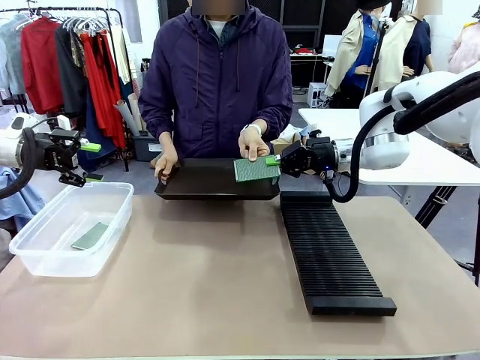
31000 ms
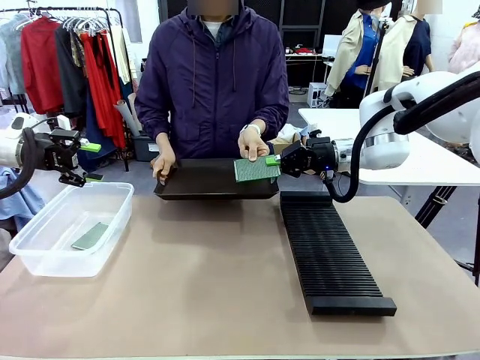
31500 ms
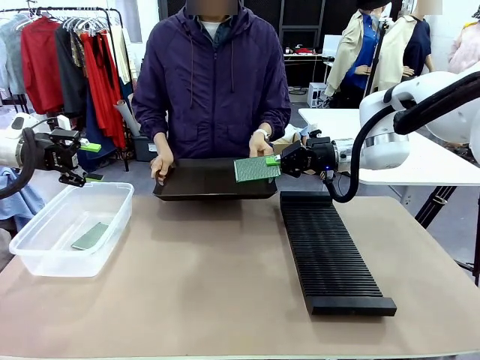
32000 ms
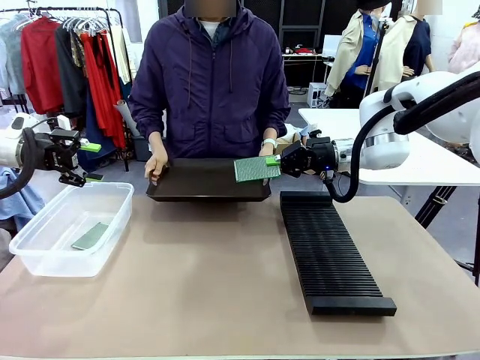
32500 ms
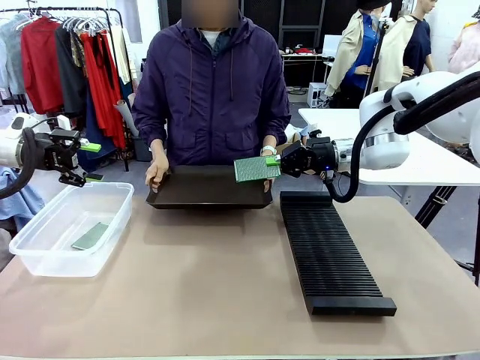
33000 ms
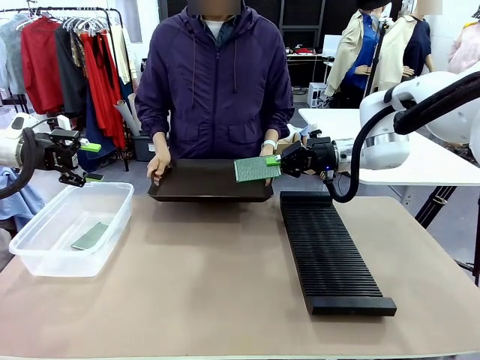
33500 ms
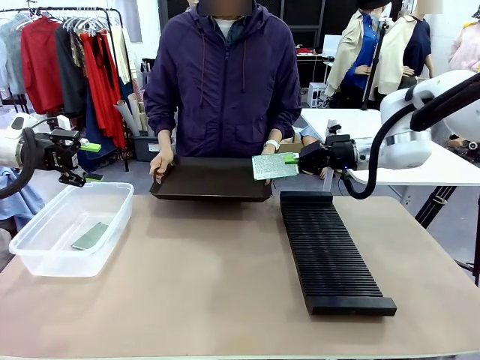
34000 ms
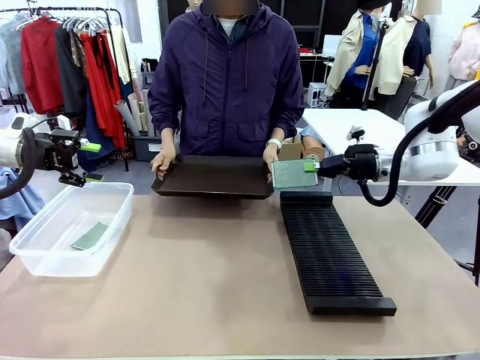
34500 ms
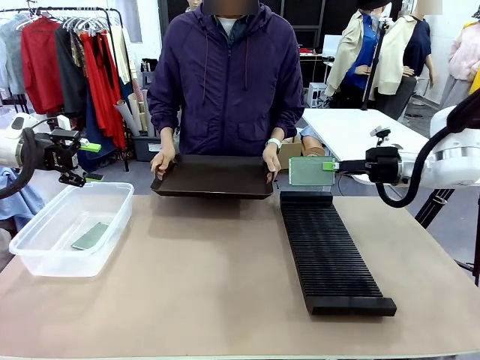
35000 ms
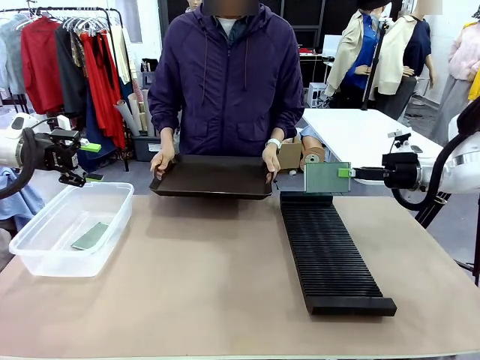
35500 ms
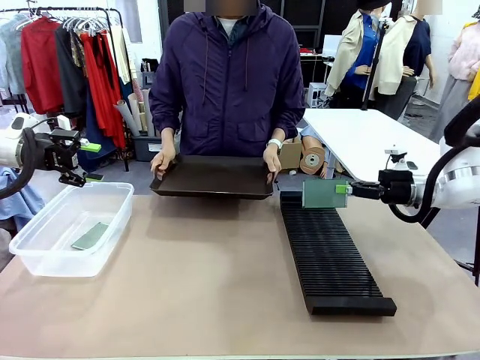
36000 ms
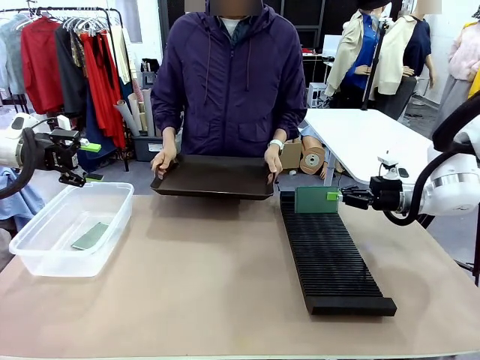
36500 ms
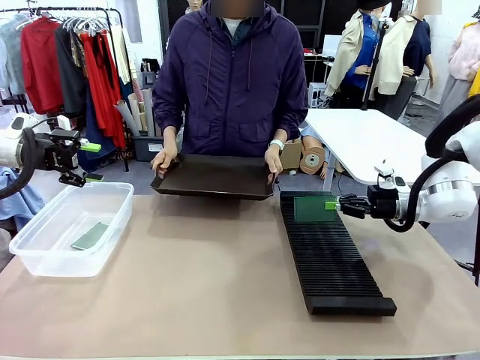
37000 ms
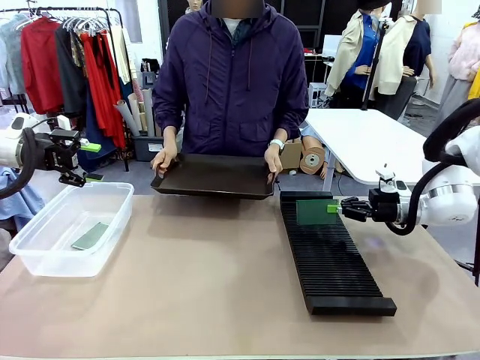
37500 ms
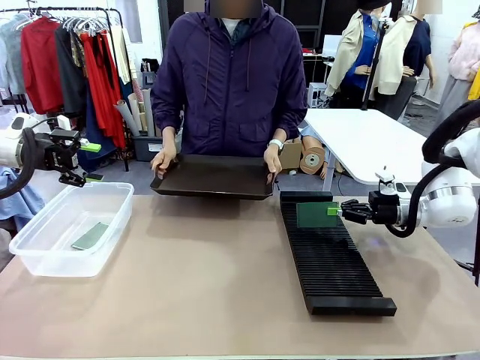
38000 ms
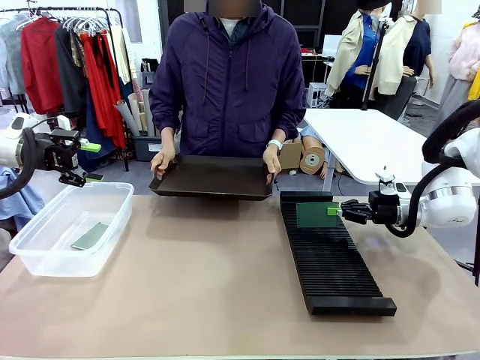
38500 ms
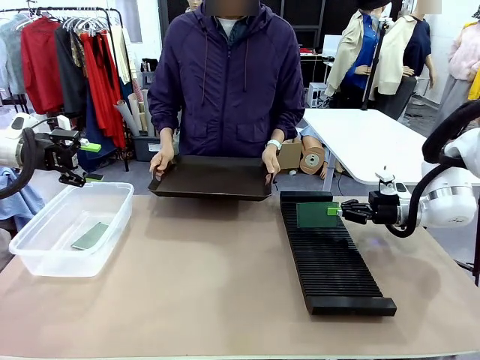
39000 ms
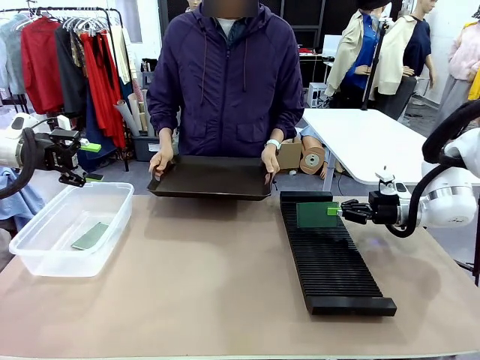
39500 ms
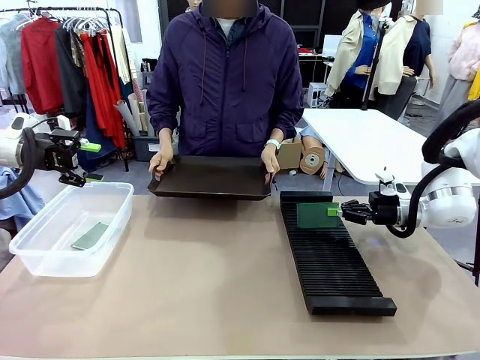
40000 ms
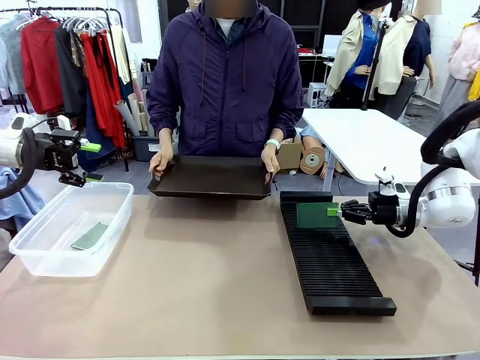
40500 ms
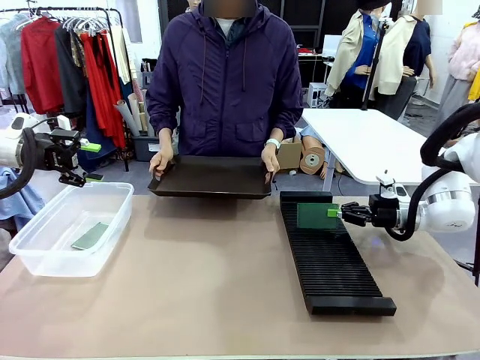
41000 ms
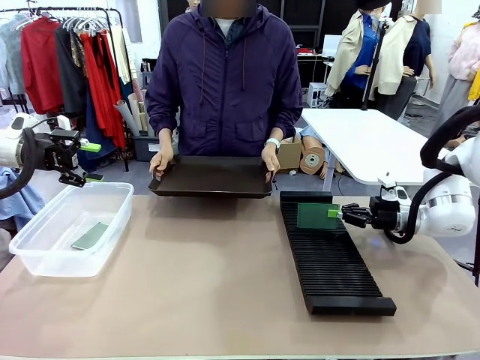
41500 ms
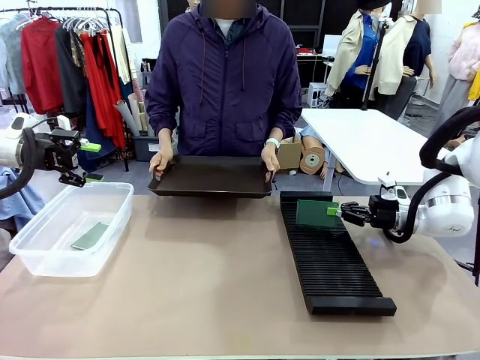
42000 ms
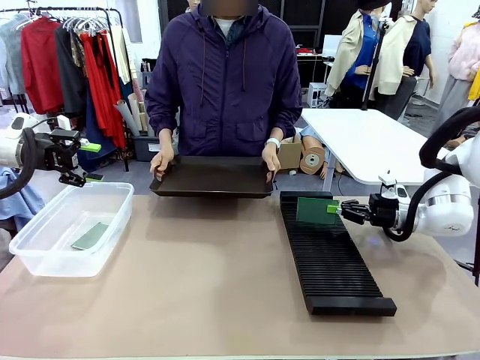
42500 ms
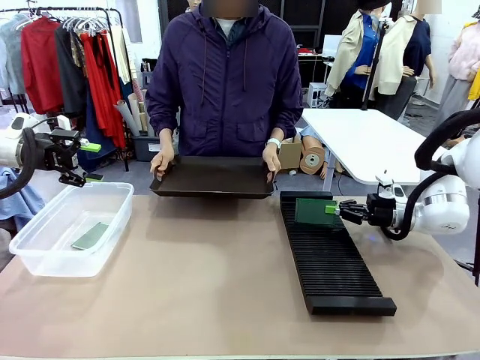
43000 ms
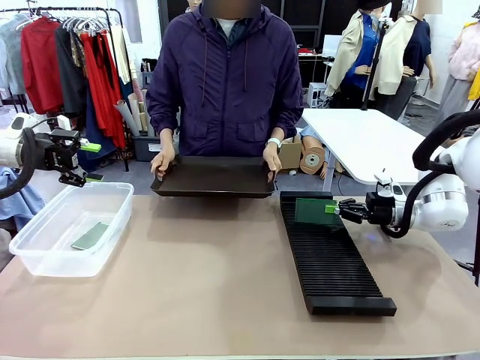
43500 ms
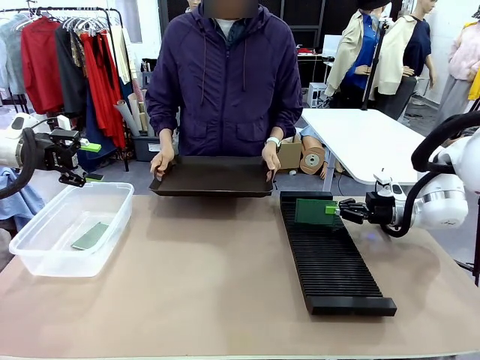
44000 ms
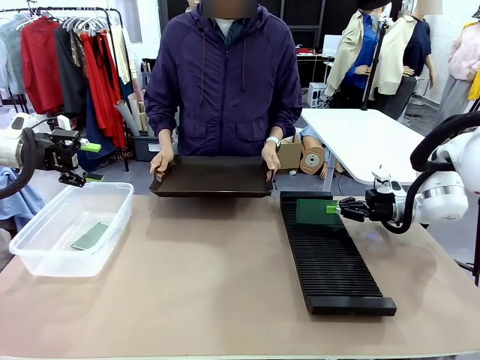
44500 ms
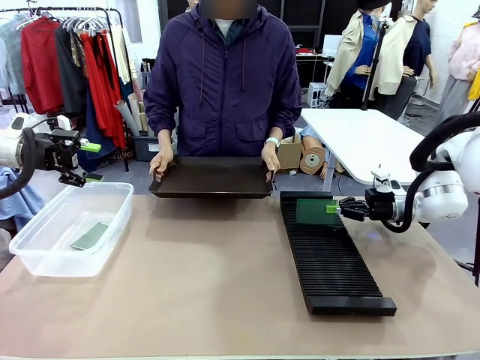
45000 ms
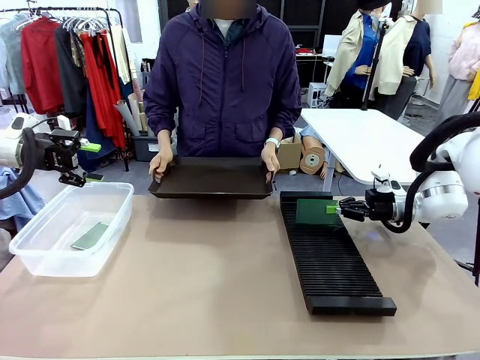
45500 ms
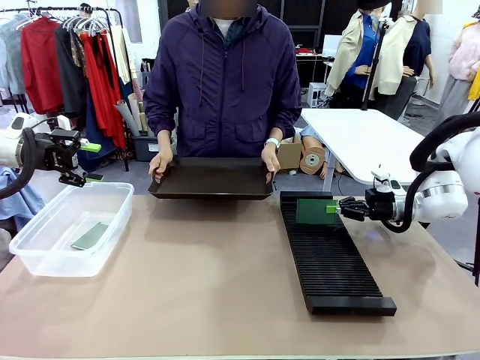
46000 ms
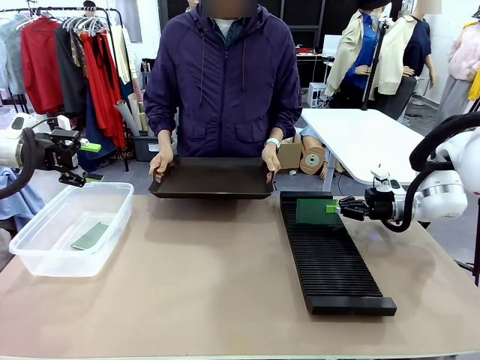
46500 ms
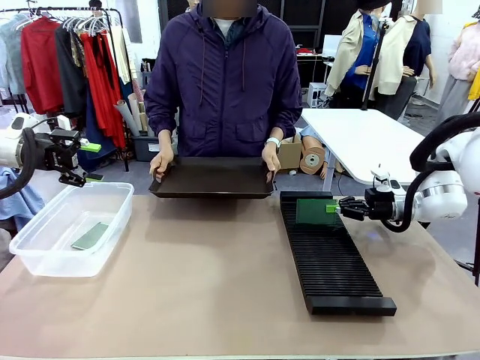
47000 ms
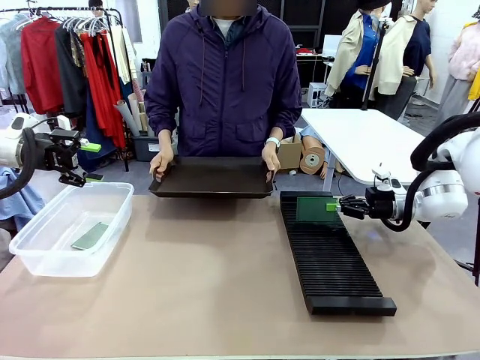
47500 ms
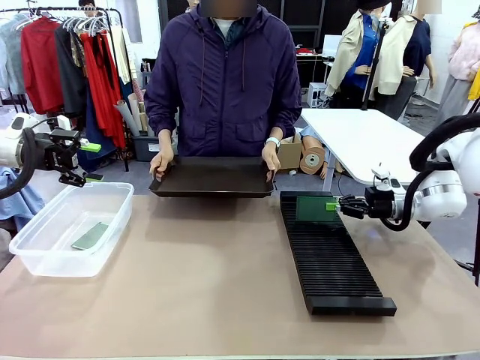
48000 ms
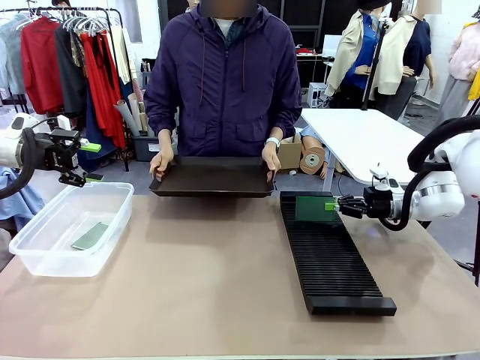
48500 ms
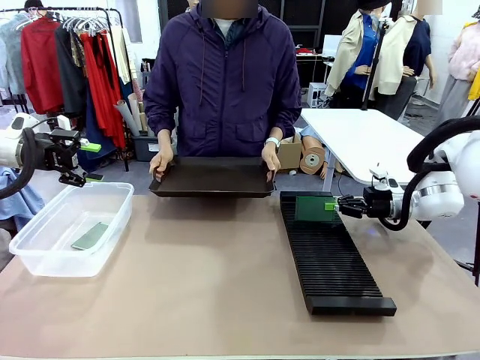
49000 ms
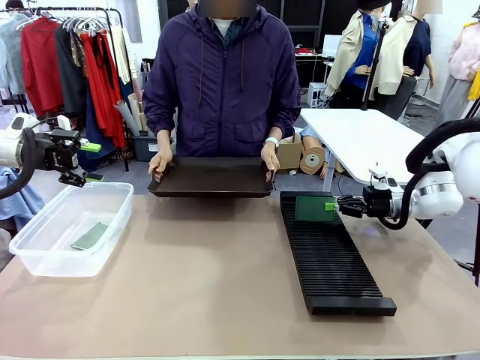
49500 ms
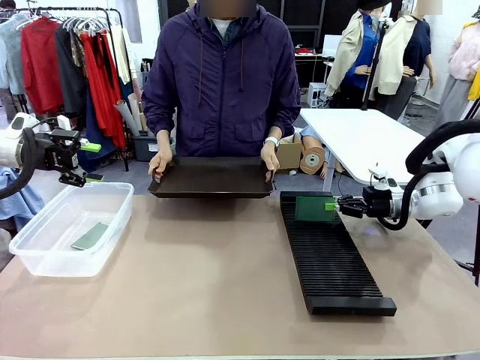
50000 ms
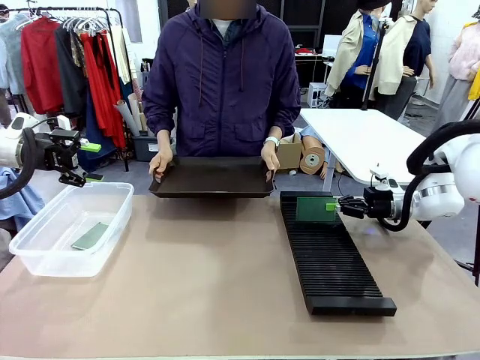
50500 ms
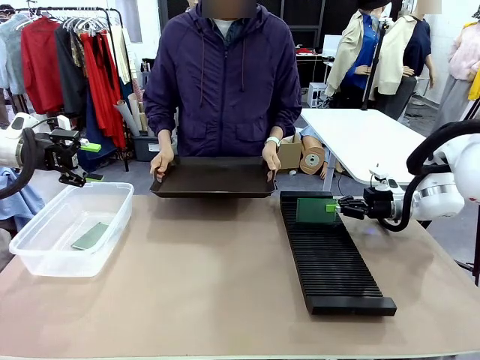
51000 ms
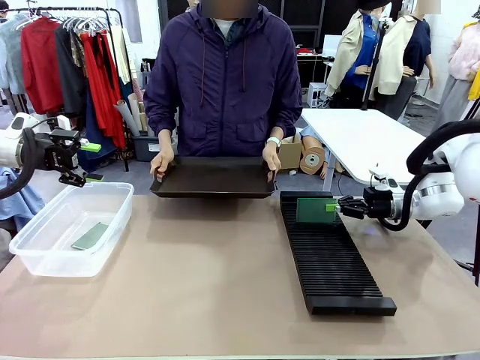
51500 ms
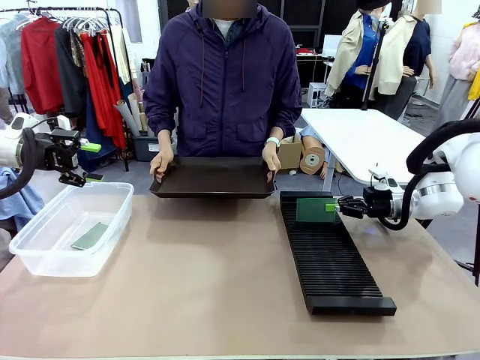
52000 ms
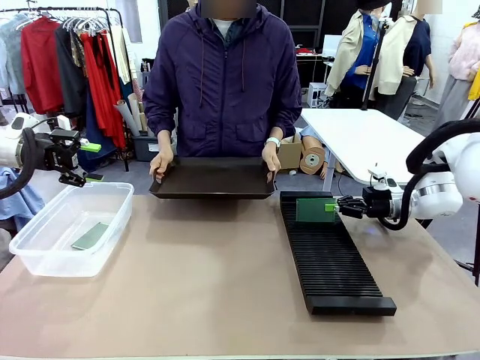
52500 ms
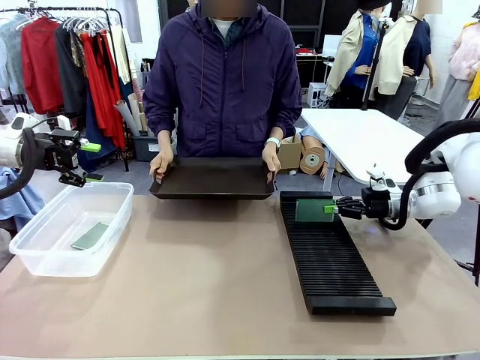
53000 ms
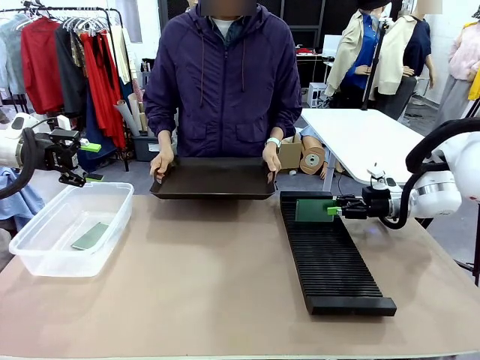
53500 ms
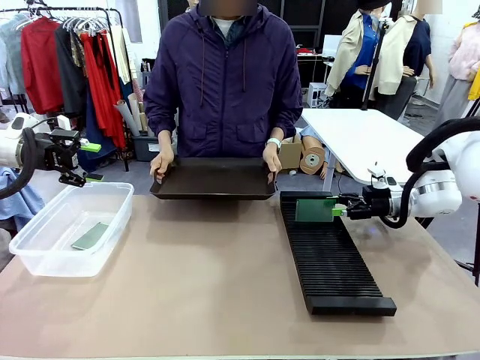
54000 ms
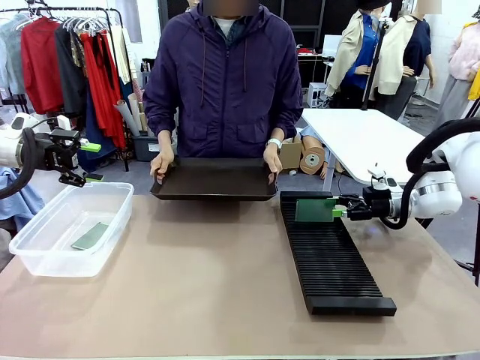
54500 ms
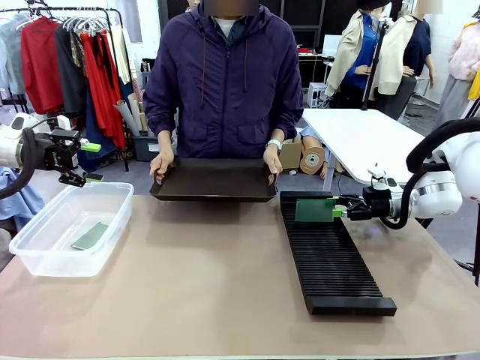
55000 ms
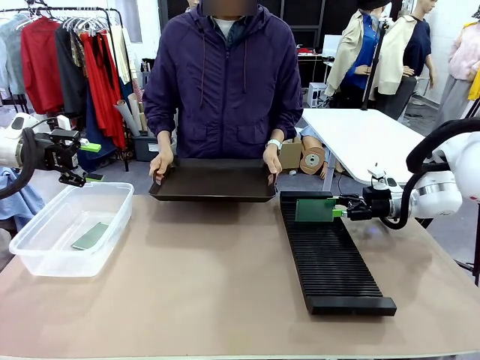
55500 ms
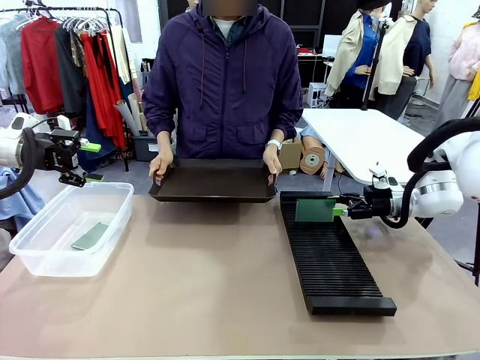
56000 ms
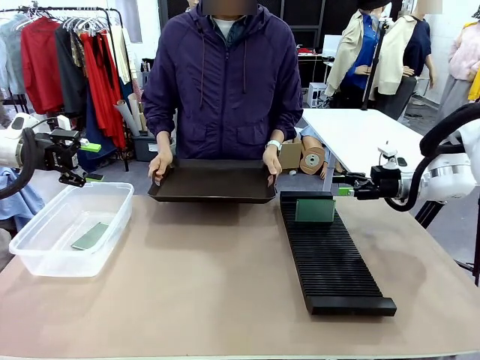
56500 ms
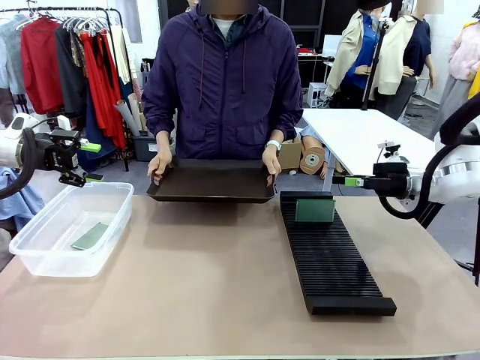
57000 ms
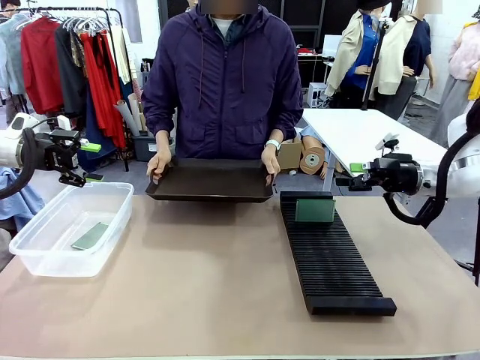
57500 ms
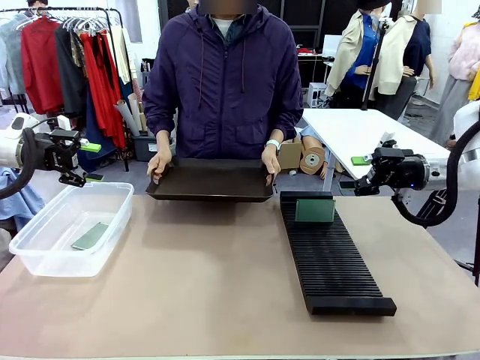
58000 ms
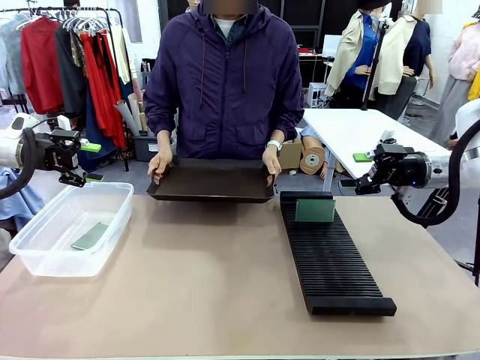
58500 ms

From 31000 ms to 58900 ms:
Task: Sort PCBs into racks and boxes based on the side picked up.
Robot: If the short side of the Blank PCB is picked up, insert it into the PCB Rack ; if the long side is picked up, place it in the Organizing box.
Person: Release the PCB being held.
